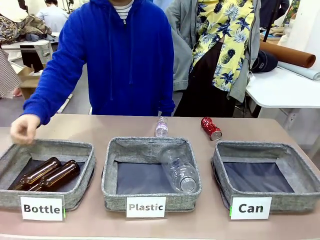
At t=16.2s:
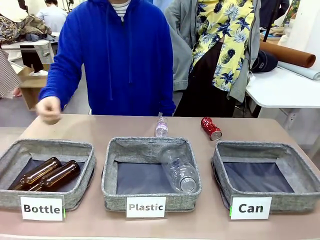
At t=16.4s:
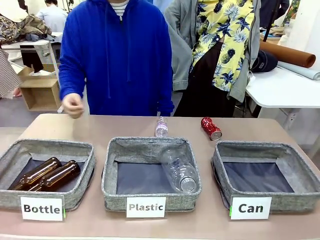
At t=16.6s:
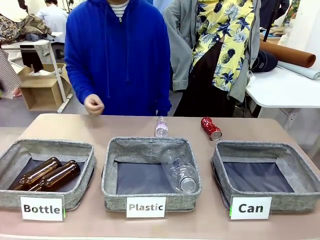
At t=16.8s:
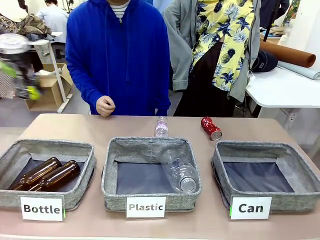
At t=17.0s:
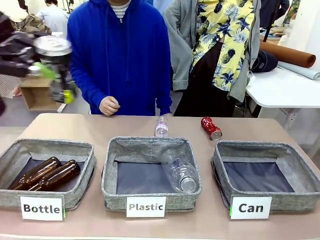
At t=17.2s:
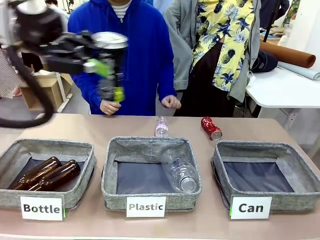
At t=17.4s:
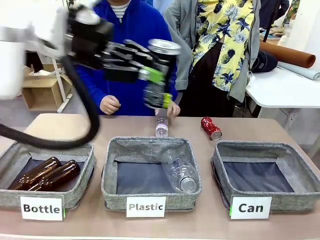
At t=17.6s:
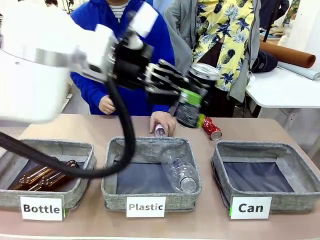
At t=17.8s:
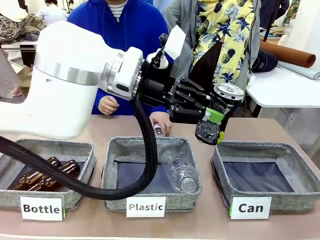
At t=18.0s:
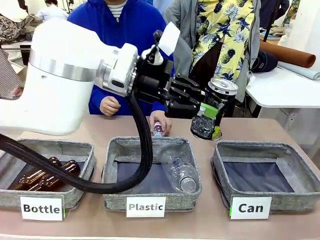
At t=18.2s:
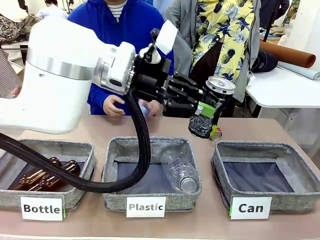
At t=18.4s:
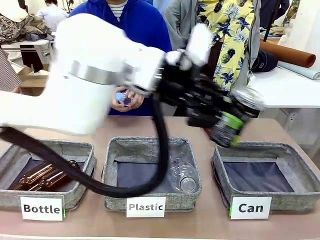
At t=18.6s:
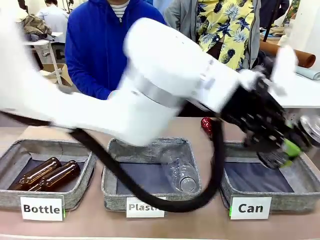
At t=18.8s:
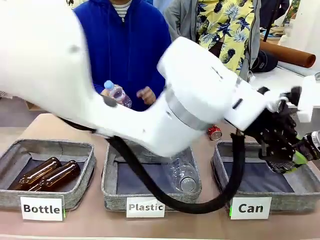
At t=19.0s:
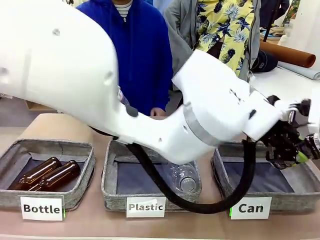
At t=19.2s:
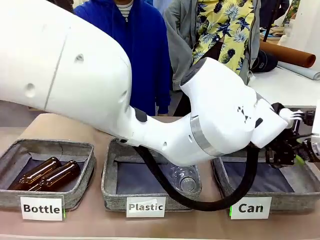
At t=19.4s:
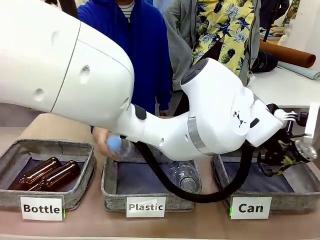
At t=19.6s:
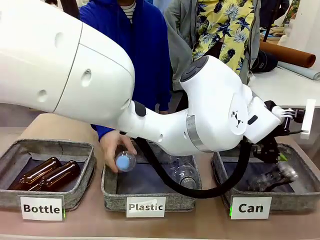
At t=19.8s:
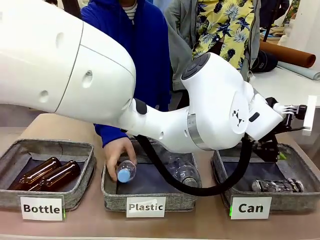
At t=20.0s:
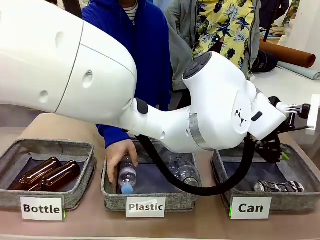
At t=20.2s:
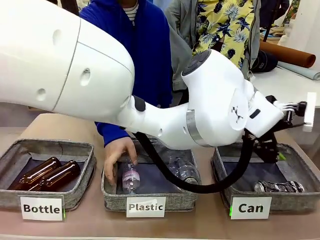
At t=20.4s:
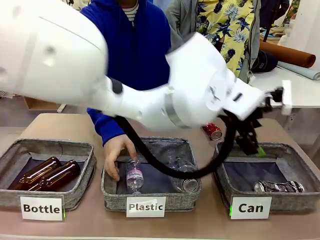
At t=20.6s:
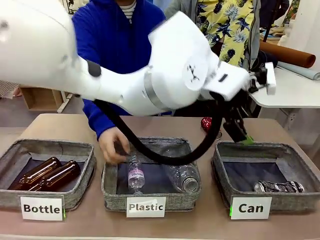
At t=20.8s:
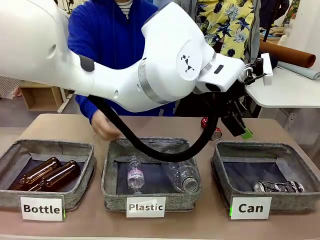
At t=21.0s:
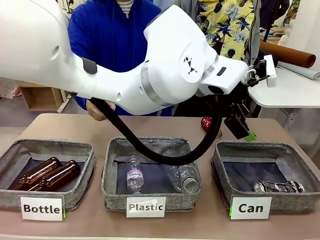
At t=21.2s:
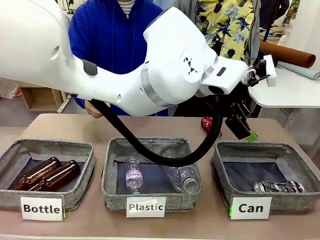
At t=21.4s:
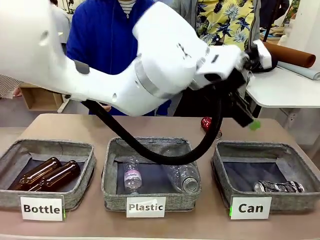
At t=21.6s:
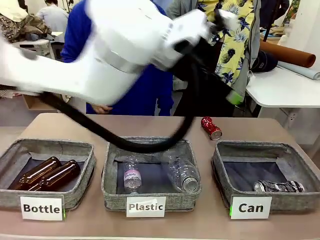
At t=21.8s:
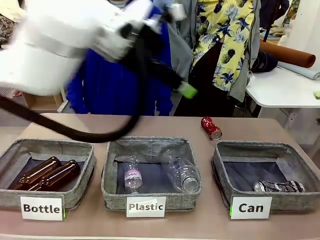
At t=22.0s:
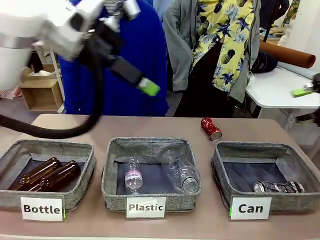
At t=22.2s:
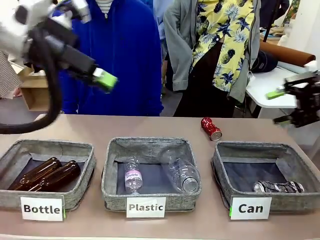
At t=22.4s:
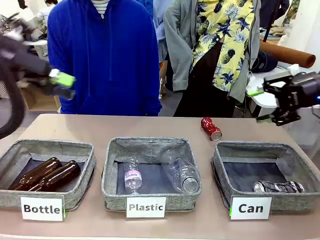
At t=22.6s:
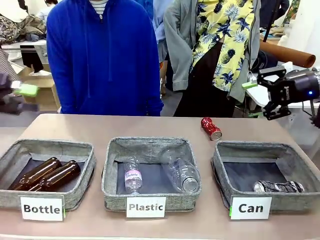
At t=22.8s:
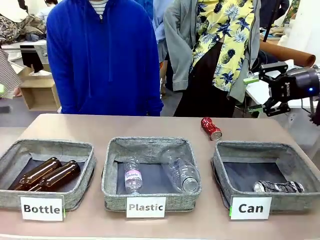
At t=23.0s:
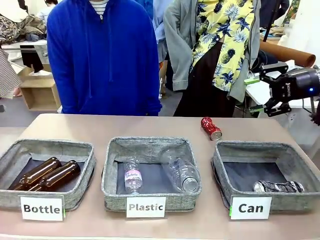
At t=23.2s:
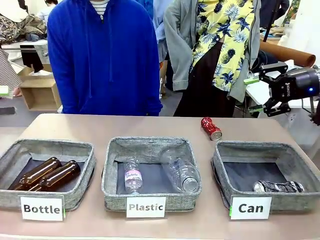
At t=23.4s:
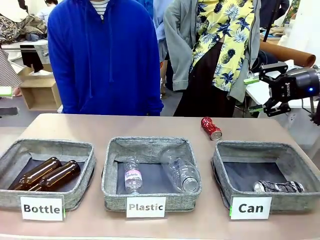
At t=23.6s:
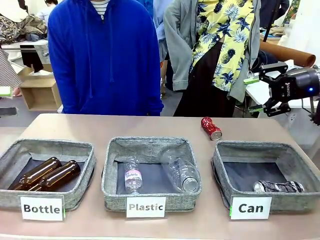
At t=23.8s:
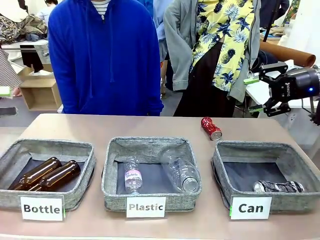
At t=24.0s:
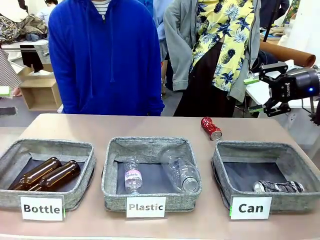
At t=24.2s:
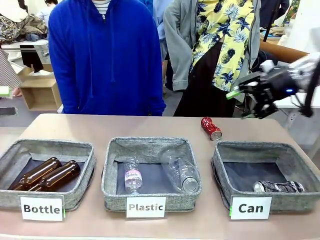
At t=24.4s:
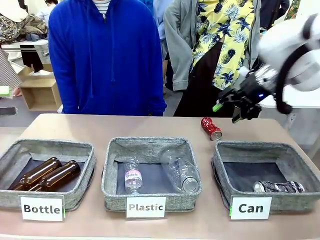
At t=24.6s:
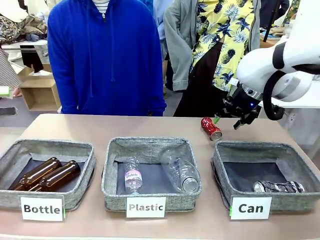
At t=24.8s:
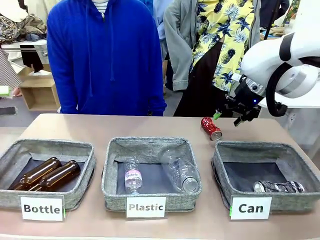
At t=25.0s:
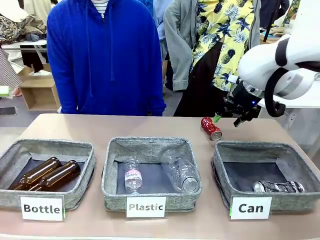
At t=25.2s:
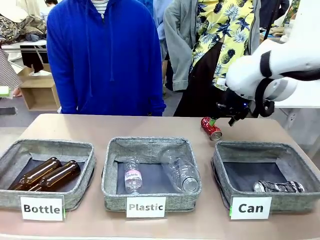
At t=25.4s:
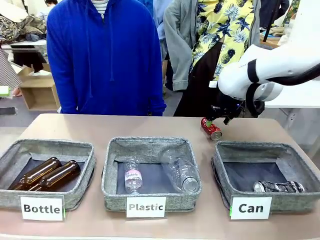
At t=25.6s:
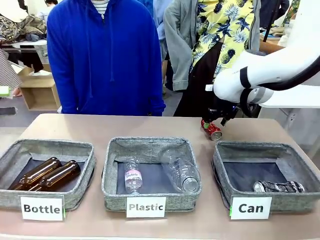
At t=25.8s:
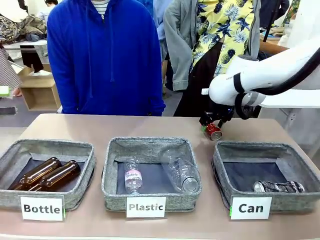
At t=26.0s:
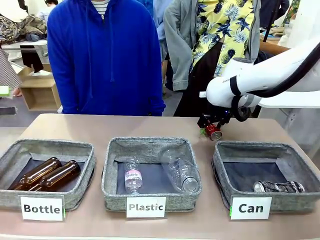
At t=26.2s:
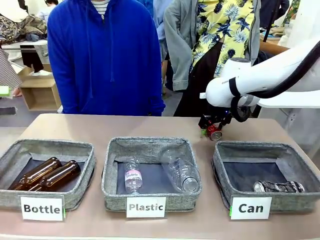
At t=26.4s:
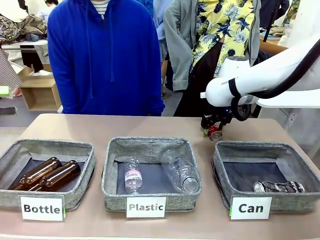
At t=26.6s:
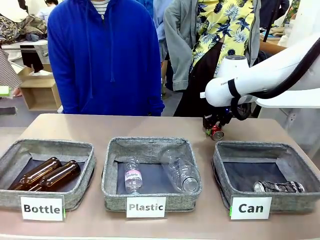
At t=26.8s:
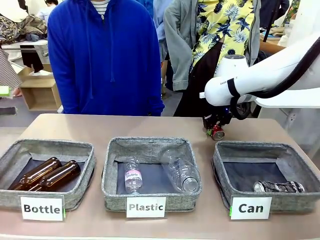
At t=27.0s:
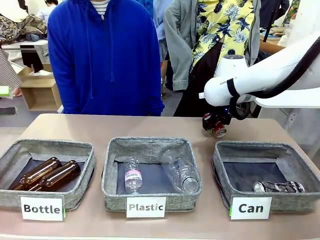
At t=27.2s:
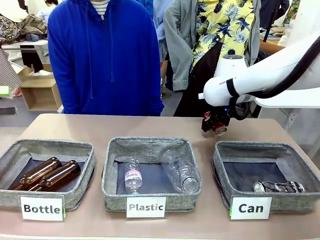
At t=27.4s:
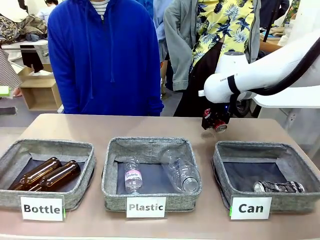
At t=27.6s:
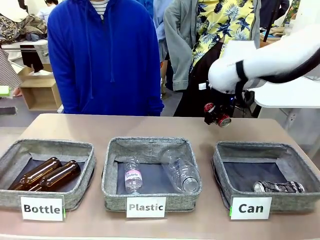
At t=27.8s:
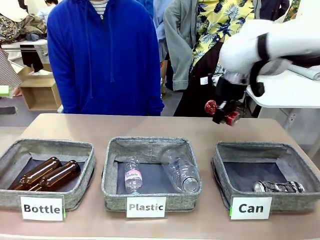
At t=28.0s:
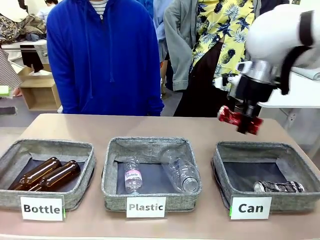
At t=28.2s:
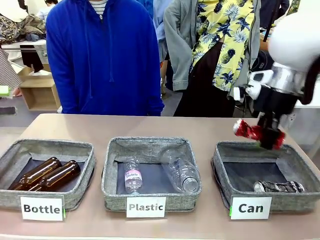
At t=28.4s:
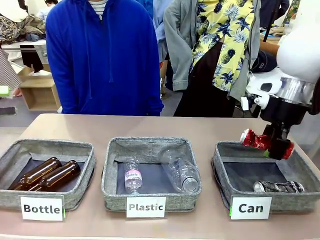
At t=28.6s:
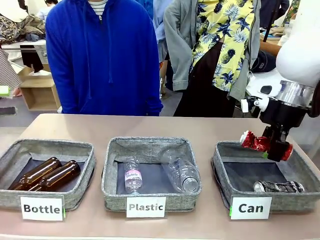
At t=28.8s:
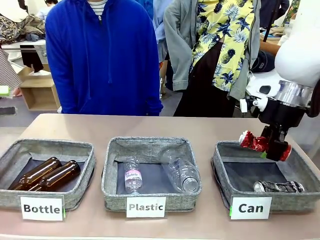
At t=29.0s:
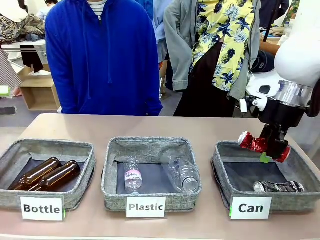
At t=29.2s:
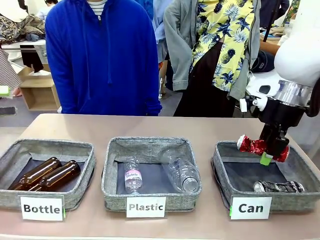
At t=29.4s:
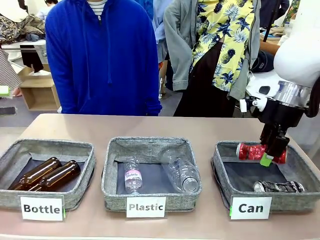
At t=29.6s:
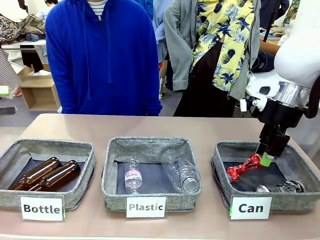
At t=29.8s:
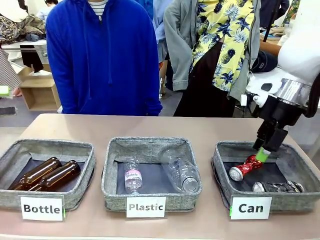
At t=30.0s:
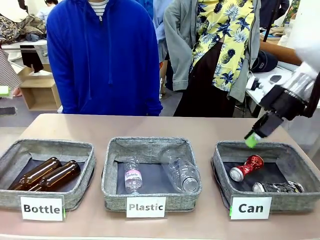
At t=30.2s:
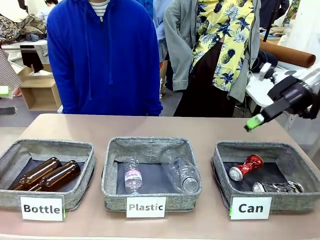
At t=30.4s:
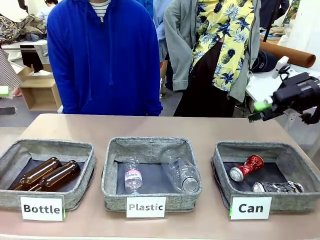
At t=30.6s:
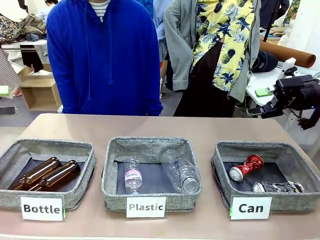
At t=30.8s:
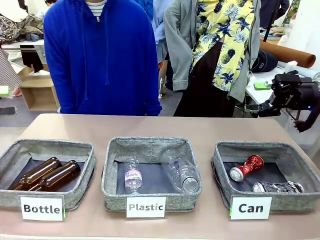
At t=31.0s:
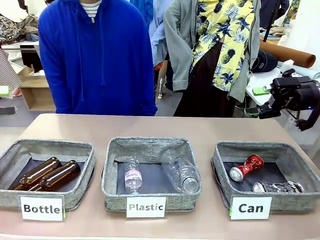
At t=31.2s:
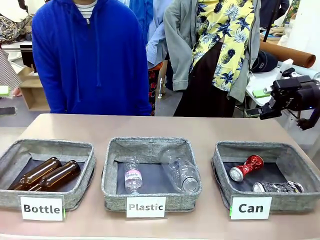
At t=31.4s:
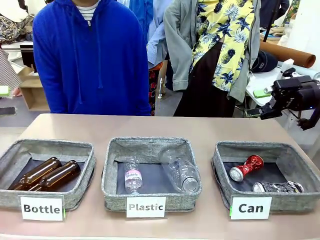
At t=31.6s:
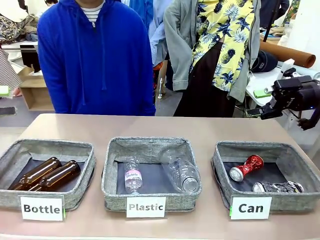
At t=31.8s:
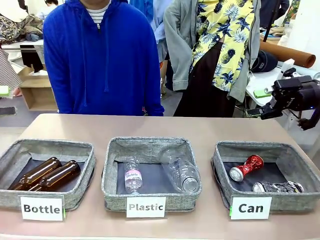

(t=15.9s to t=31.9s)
Task: Sort the can waste into the basket.
Robot: Pick up the can waste from the table and place it in the right Fabric basket.
Person: The human picks up one piece of trash that is not a can and places the trash into the appropriate organizing basket.
